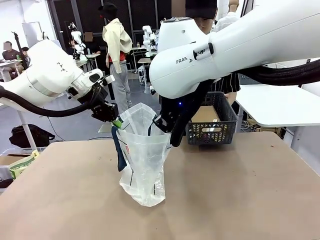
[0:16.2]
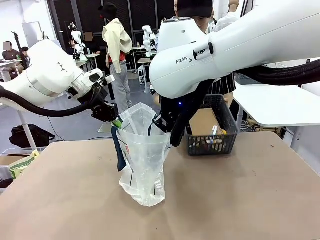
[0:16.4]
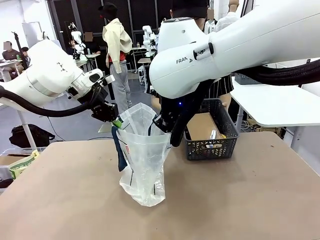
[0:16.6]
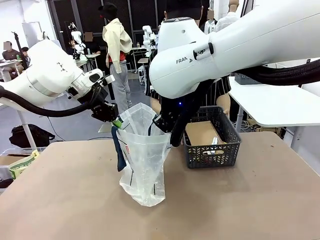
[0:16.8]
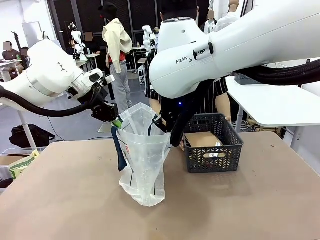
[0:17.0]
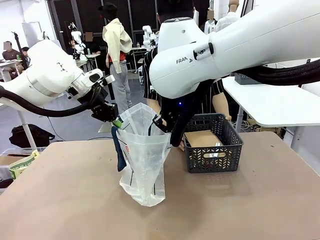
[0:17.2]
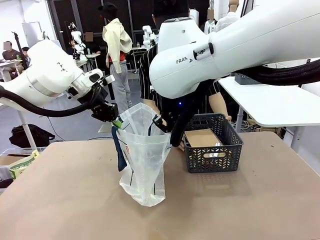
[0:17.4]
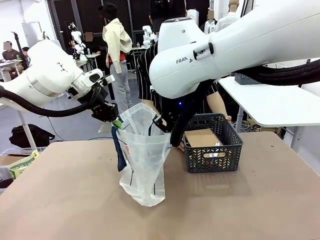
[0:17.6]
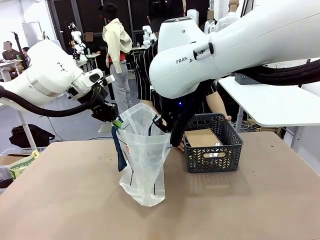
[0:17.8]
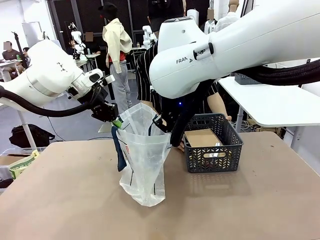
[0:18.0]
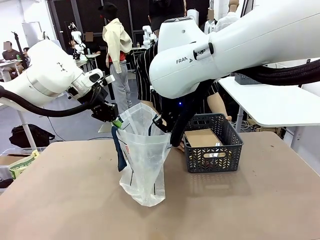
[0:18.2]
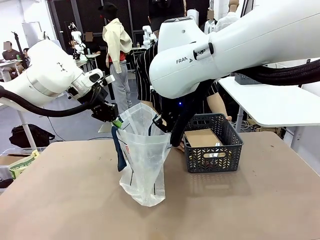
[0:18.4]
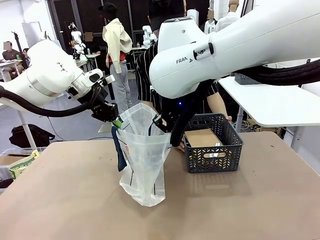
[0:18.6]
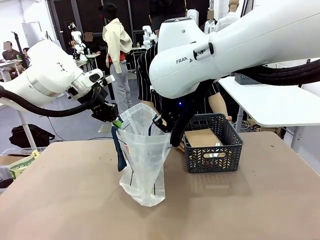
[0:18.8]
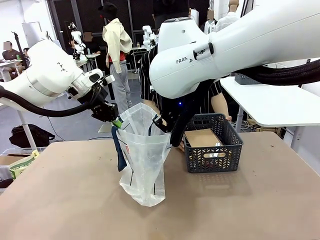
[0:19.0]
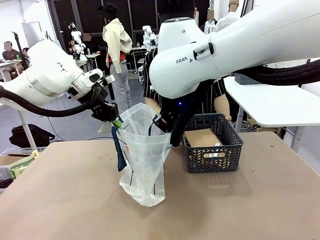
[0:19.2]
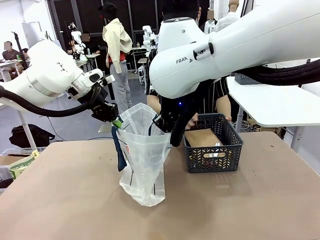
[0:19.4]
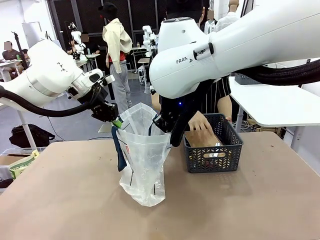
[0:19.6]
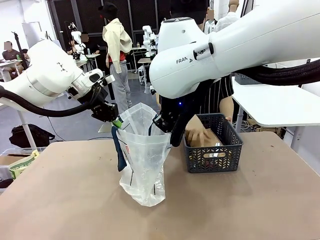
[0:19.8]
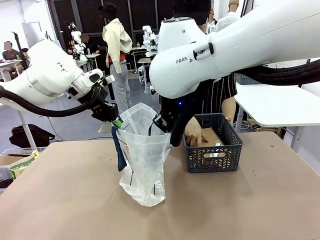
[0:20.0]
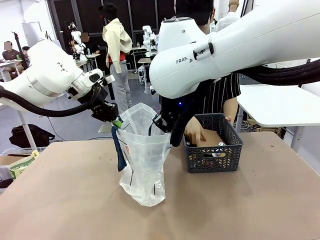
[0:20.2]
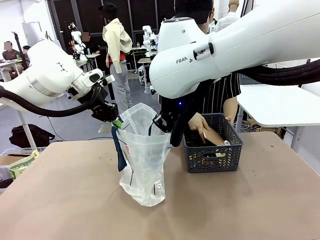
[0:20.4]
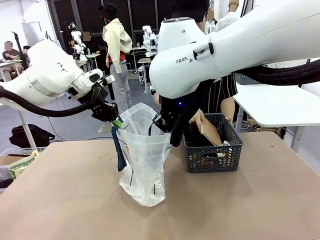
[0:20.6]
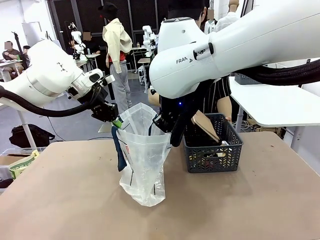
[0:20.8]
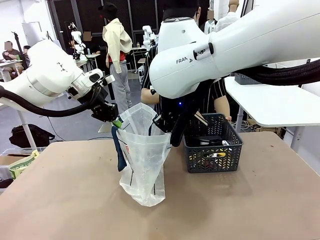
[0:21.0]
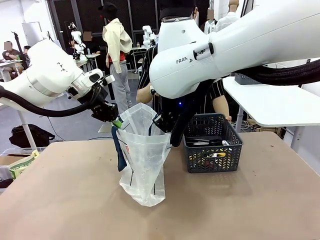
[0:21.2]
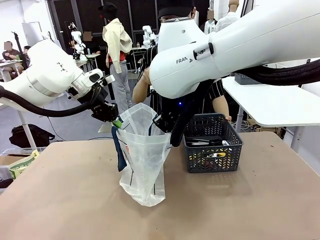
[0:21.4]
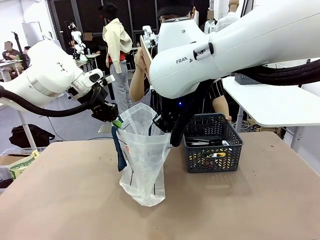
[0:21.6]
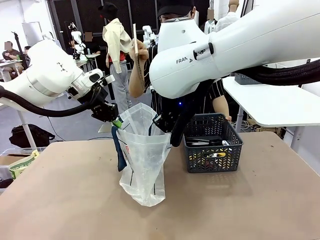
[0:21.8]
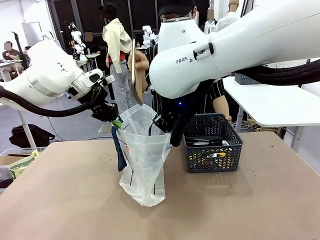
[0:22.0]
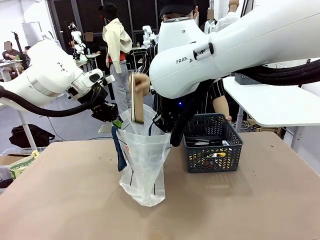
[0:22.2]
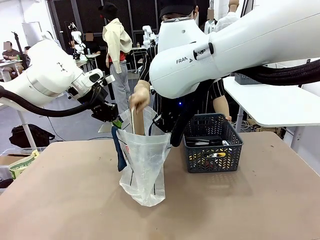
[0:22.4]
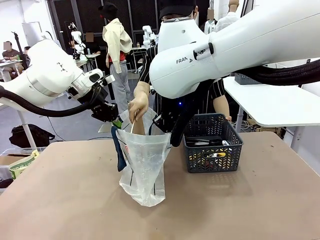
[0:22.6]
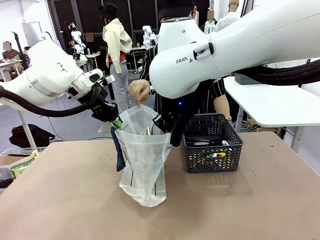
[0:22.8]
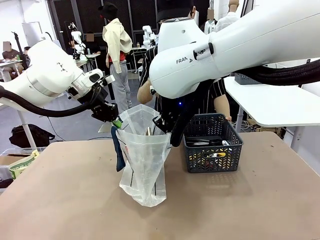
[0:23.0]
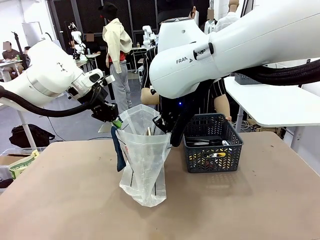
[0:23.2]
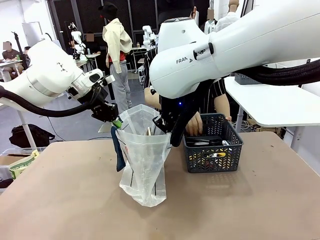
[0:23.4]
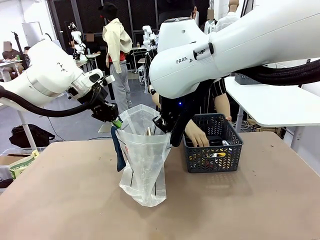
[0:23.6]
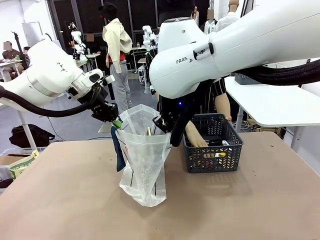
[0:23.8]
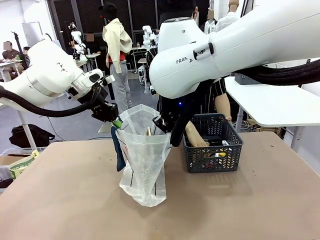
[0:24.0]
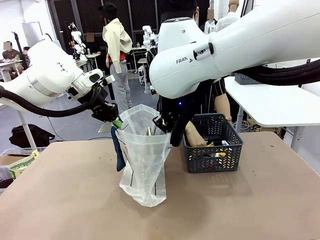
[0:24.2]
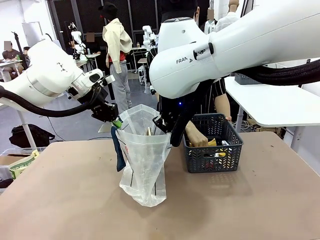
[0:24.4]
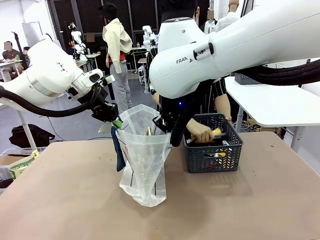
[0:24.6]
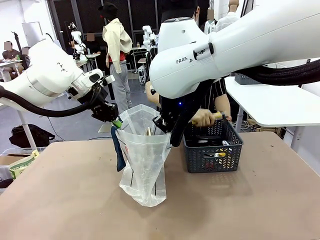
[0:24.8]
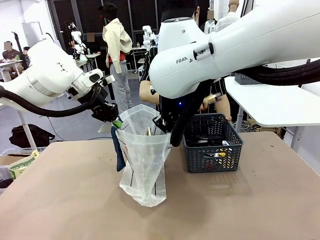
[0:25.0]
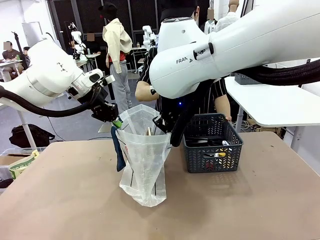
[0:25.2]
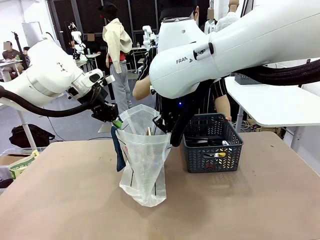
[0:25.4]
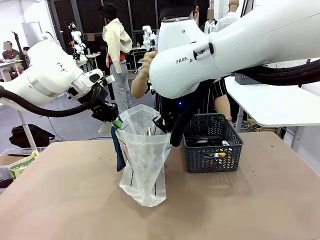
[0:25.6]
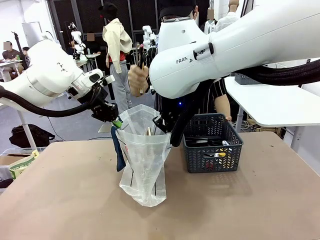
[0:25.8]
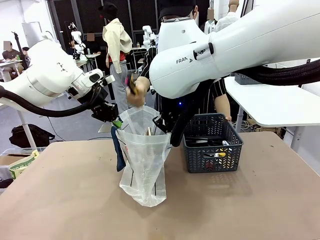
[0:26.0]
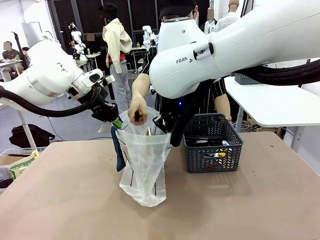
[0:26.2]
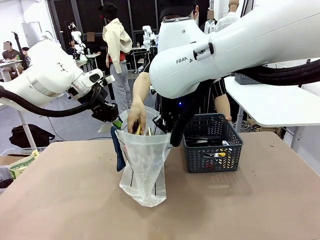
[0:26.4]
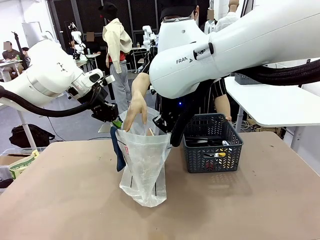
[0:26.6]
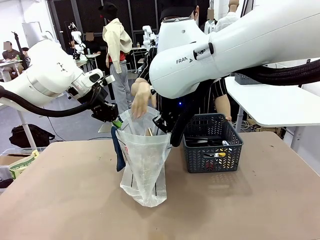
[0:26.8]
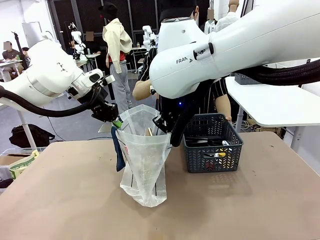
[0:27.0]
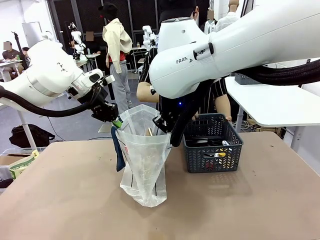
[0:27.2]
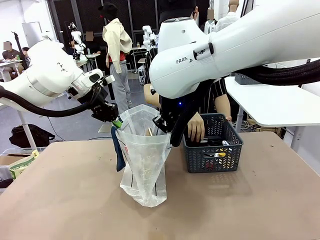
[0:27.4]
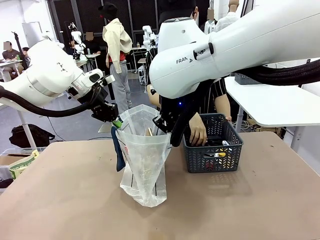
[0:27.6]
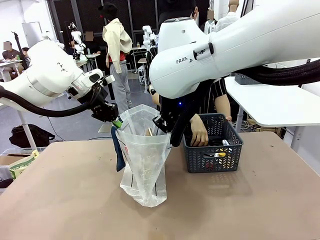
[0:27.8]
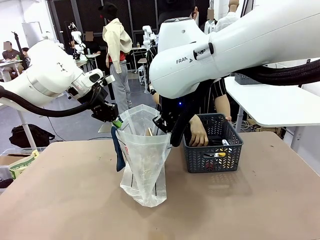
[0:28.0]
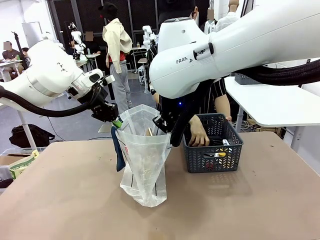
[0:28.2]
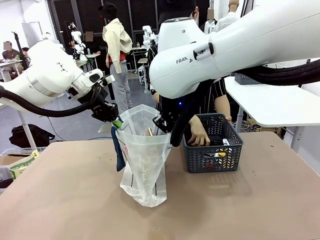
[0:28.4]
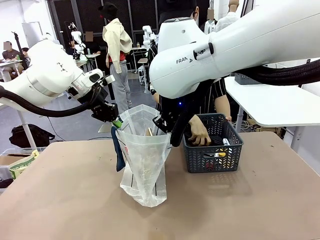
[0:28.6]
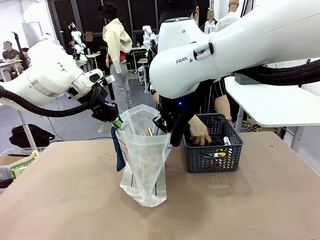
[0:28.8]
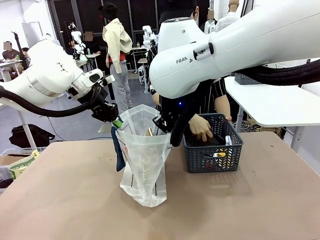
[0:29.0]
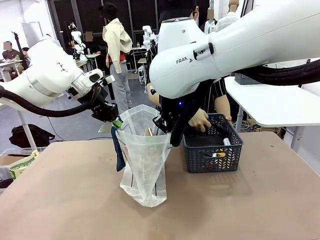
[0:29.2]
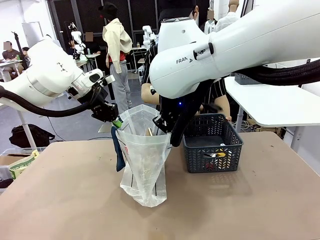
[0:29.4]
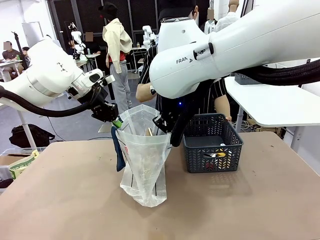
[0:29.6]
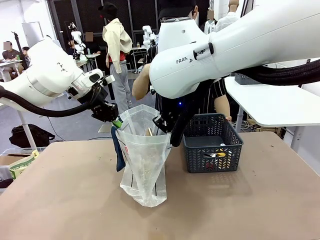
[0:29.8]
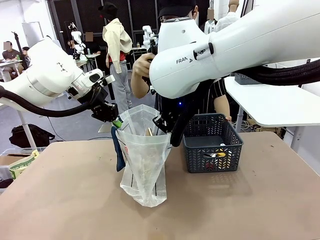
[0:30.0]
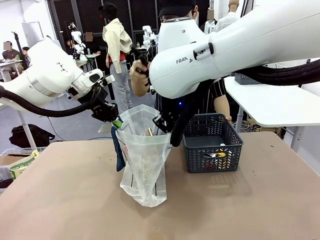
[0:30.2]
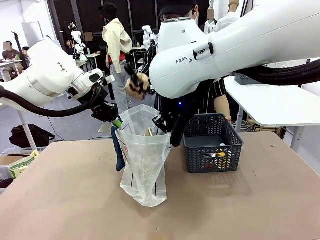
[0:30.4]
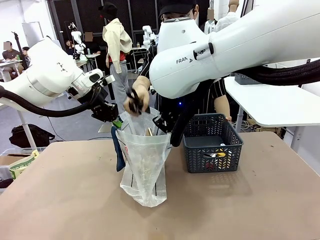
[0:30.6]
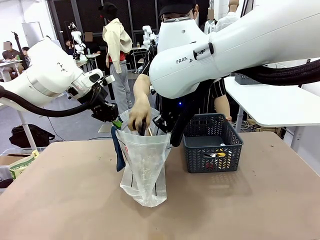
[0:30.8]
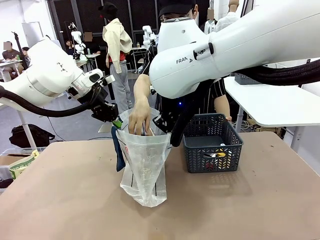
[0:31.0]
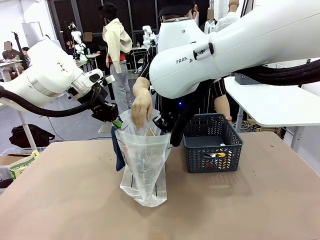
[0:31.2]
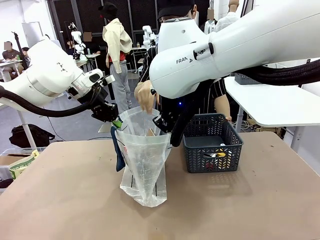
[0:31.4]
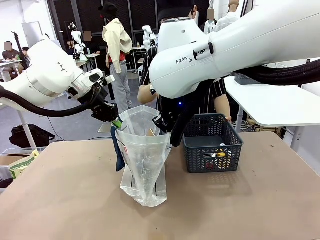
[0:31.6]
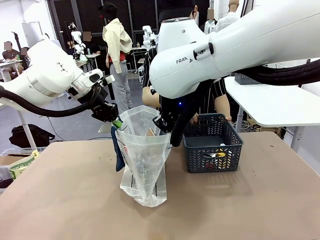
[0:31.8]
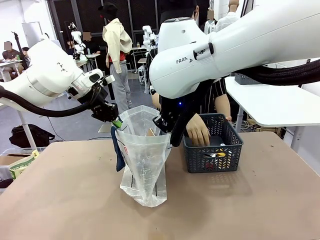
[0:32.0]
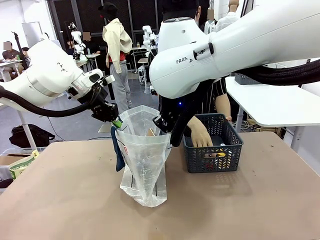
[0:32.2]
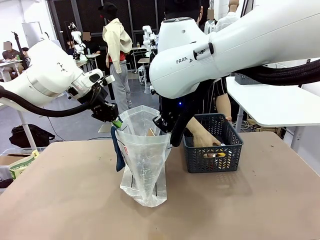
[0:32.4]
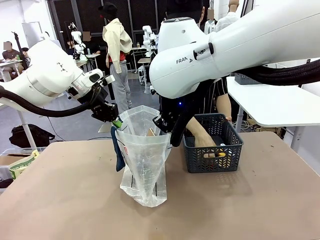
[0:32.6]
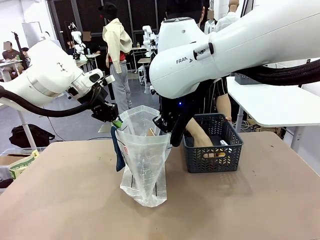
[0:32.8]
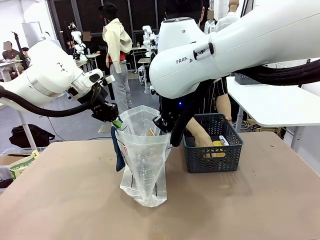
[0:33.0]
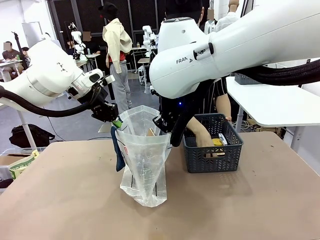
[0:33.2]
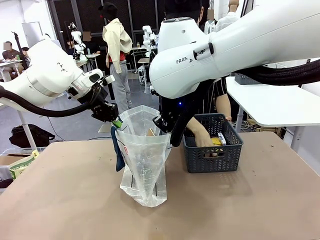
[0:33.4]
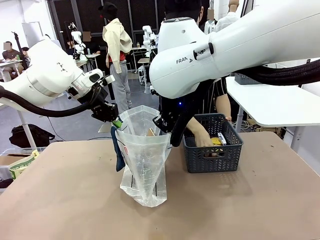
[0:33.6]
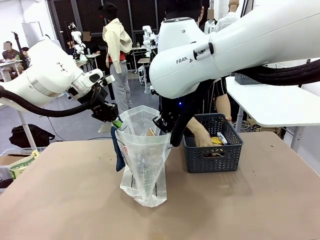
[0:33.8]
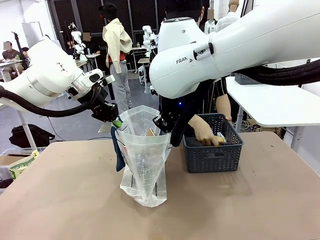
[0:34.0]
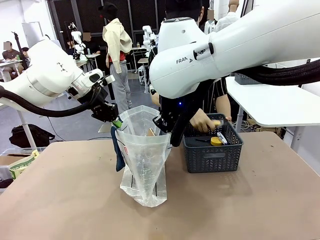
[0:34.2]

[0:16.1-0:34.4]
Task: Transfer purchased items from the store into the shopping bag.
Robot: Move the Reusable shopping bag to the right side of the table.
Person: Pick up the basket with the items out and place it on the right side of the human table.
